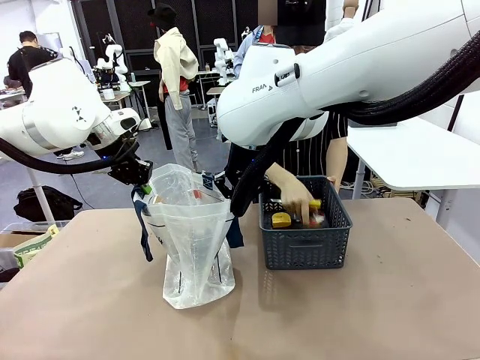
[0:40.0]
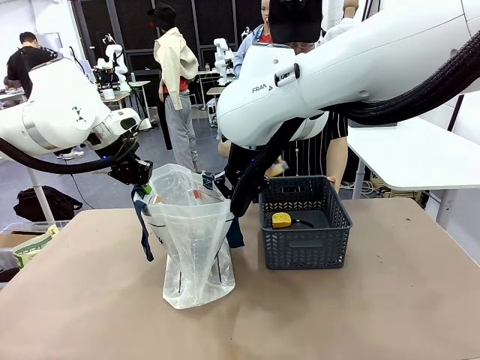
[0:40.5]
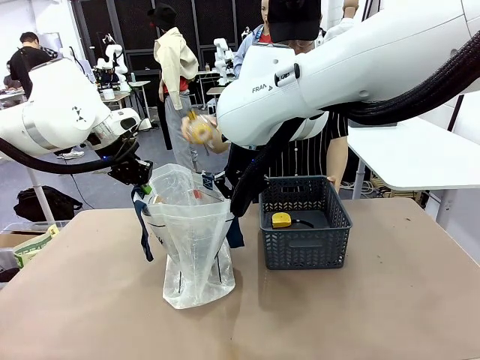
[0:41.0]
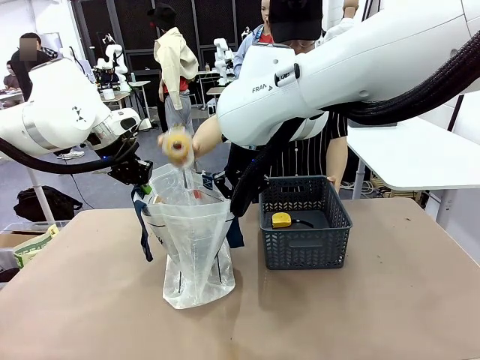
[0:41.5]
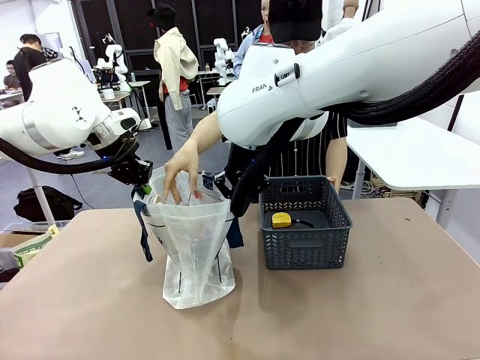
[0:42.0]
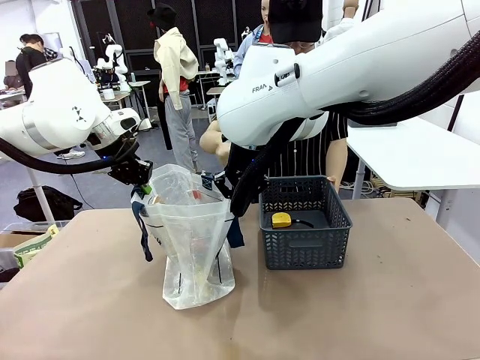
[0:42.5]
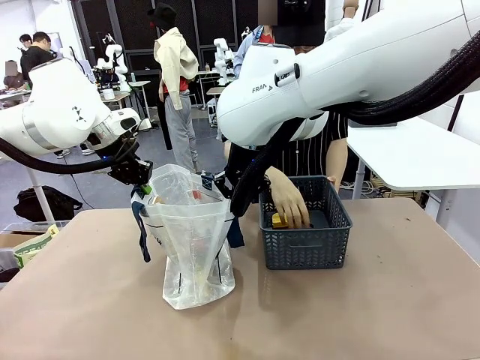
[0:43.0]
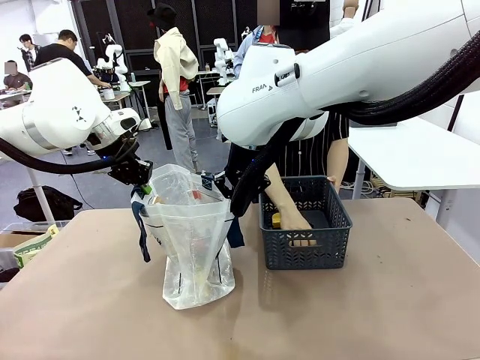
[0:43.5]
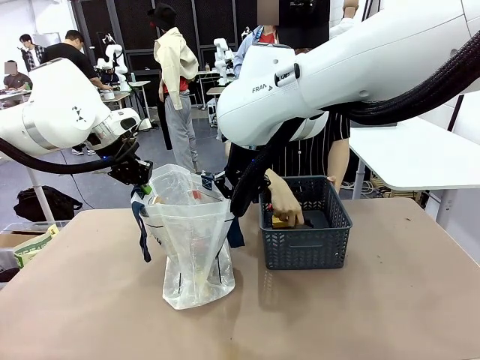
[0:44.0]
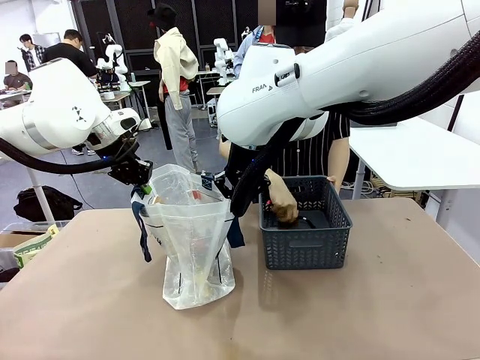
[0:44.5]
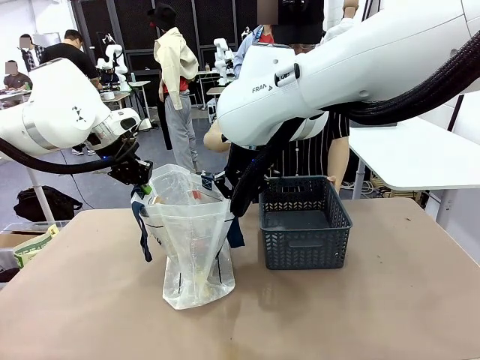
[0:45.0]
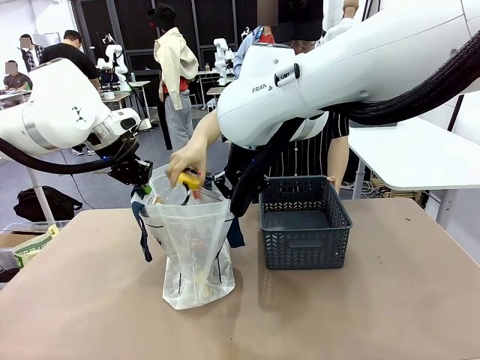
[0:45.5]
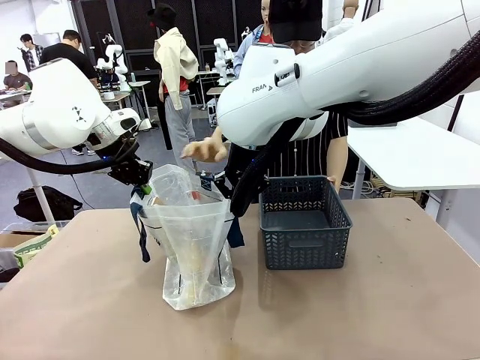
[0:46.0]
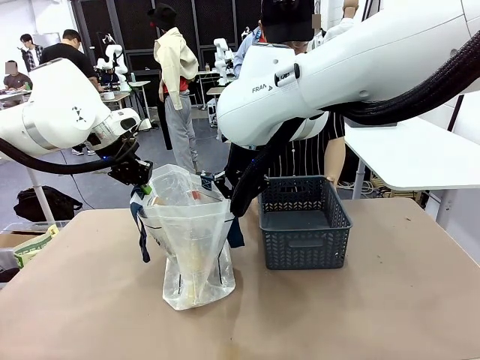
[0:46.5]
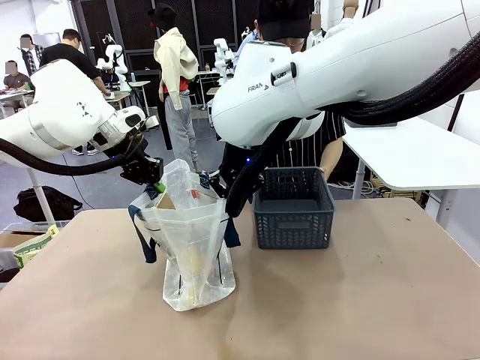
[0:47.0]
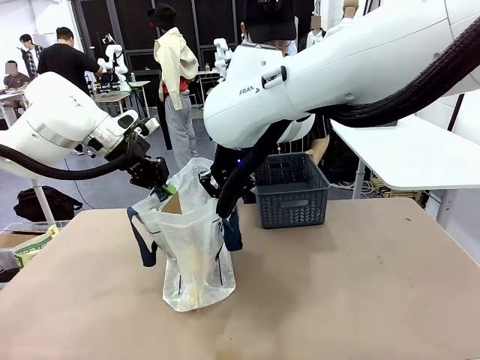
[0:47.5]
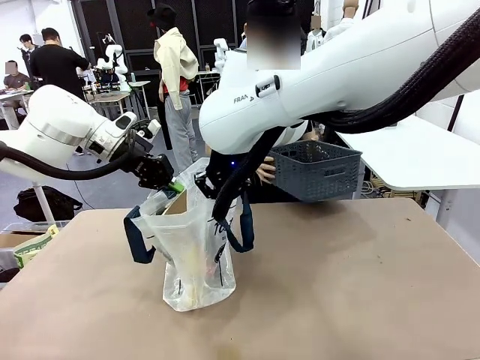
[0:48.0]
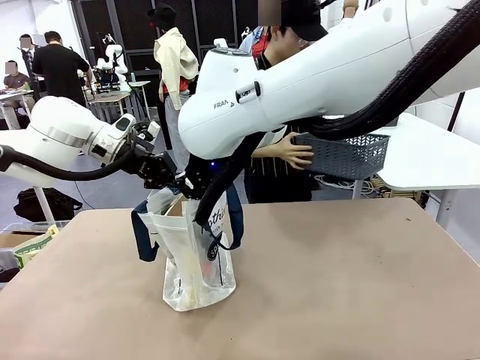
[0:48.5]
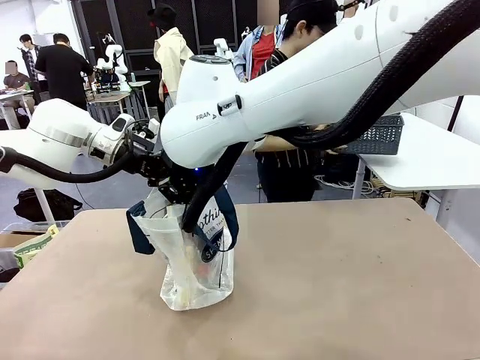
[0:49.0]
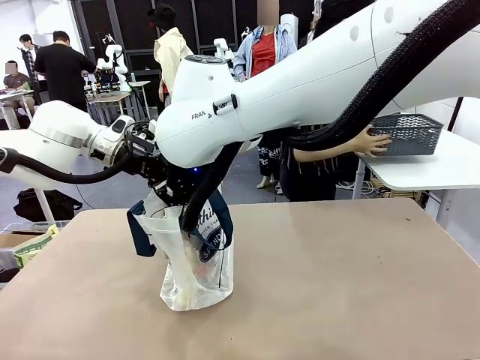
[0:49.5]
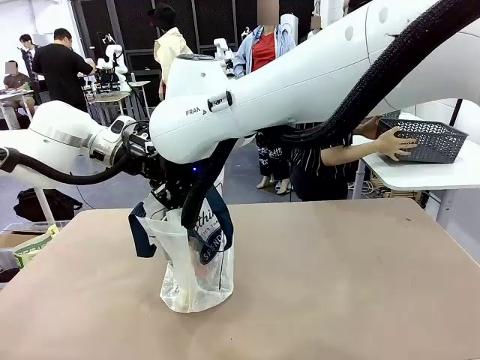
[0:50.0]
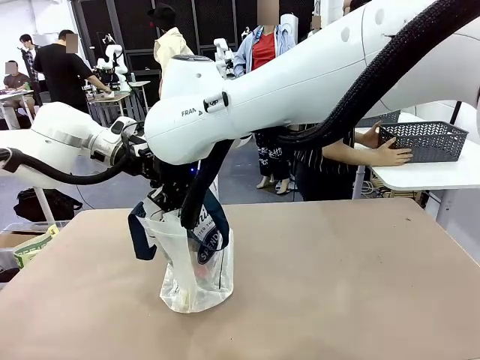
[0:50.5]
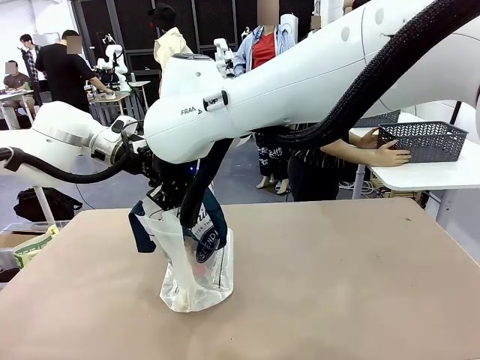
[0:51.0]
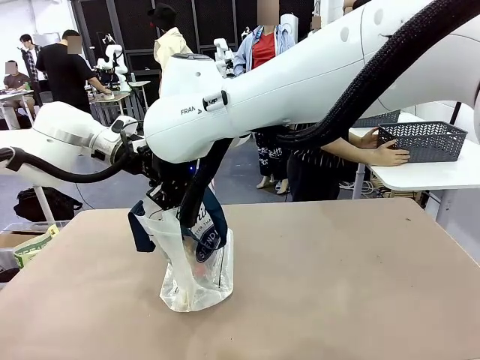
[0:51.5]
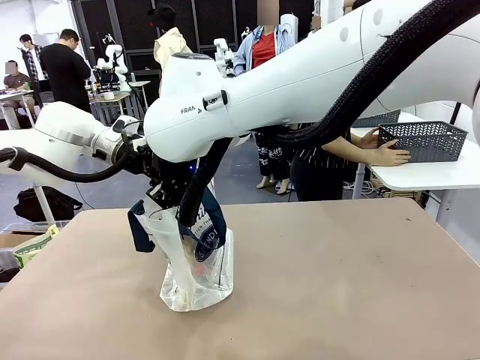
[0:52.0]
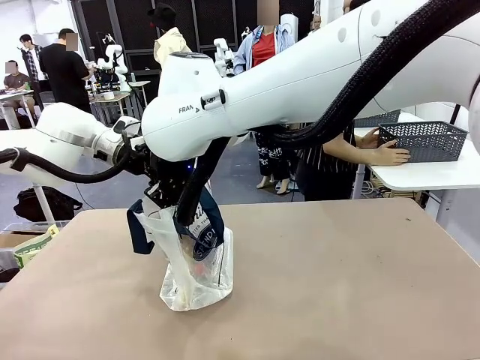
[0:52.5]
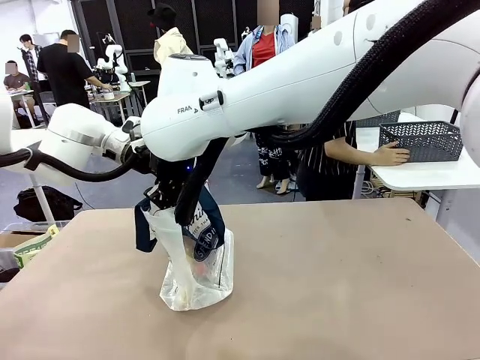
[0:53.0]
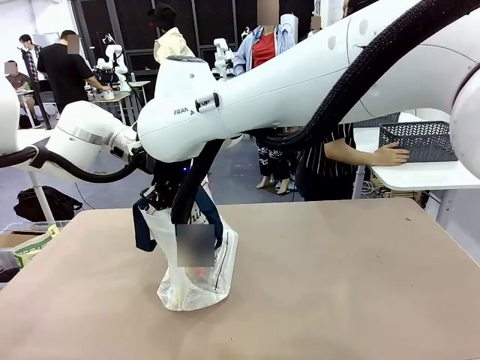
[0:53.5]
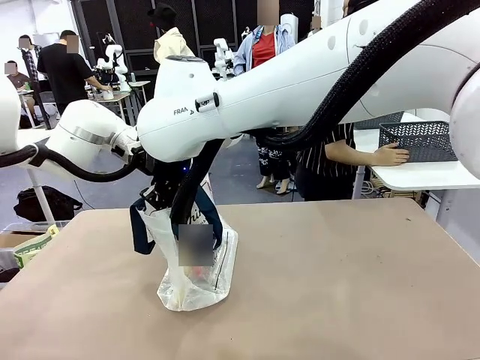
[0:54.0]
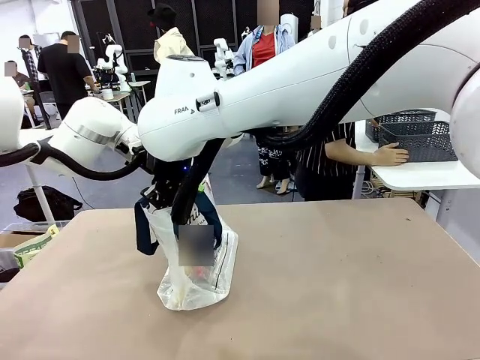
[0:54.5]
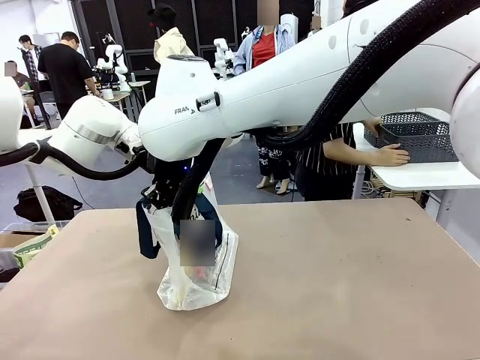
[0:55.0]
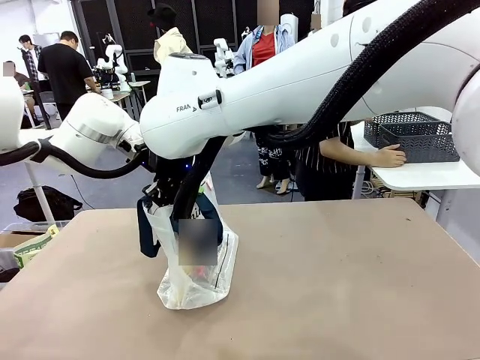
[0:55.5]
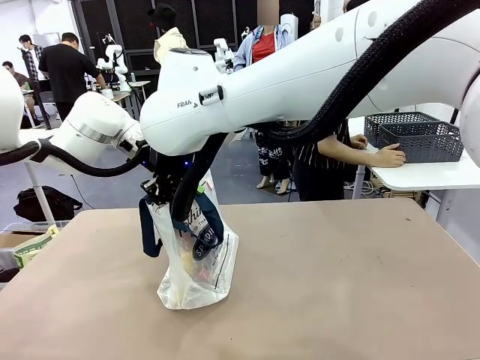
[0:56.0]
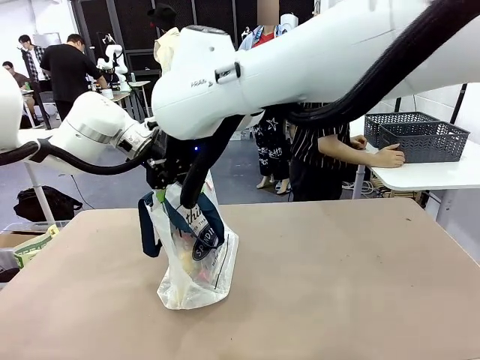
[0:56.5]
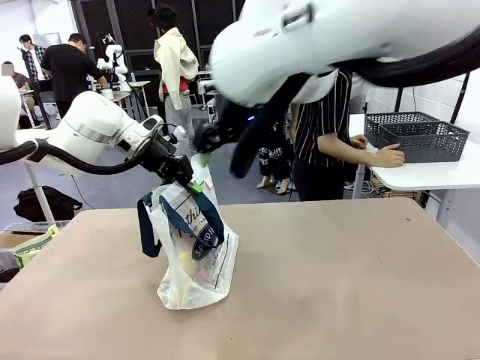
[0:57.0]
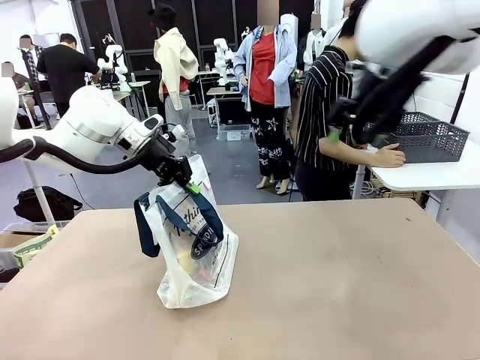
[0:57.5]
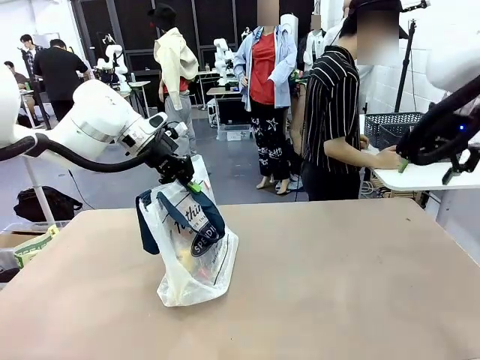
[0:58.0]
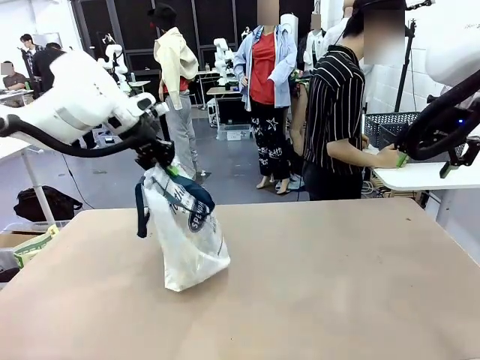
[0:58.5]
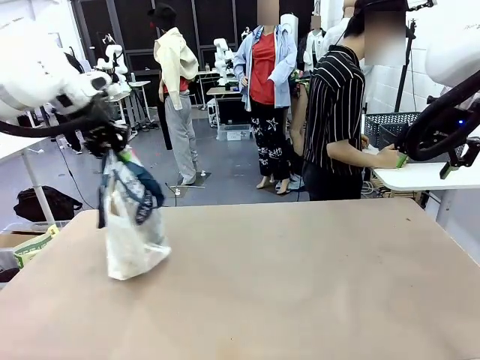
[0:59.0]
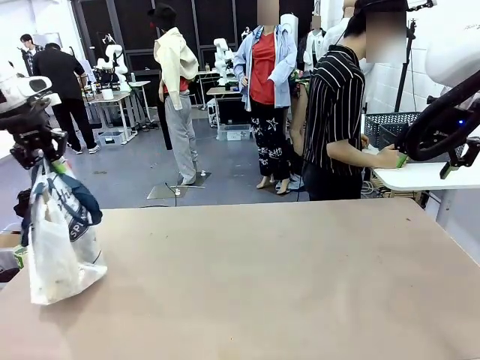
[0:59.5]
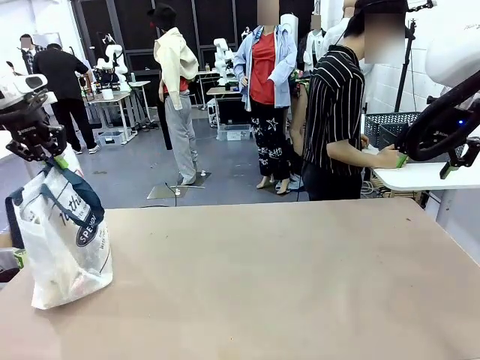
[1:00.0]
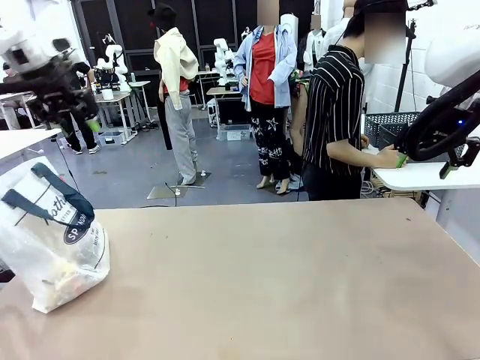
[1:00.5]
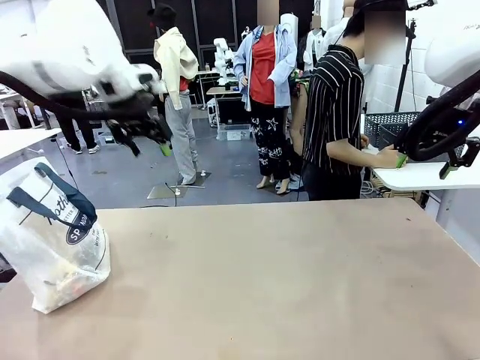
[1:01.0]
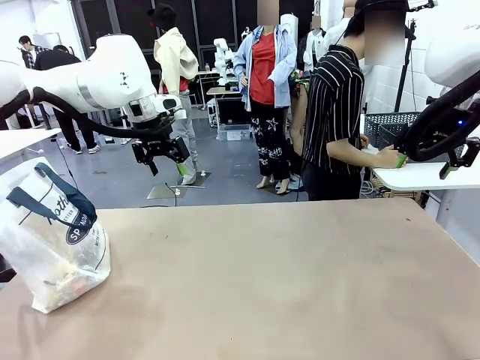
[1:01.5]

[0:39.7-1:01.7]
Task: Transfer purchased items from the store into the shopping bag.
Robot: Move the Reusable shopping bag to the right side of the table.
Person: Move the basket on the left to the middle of the person's table.

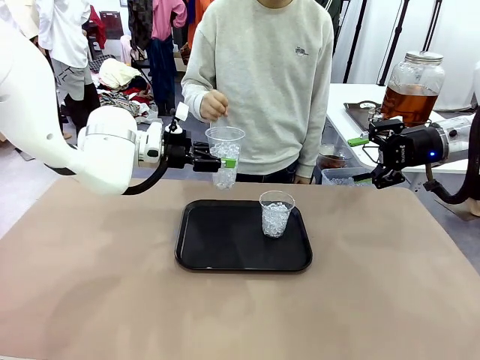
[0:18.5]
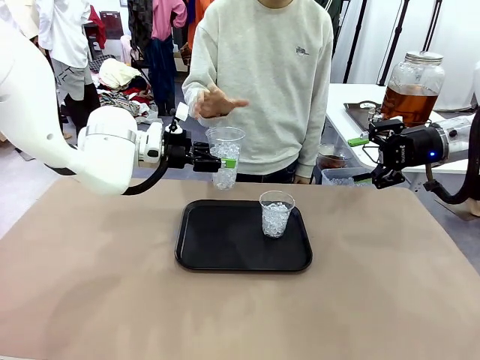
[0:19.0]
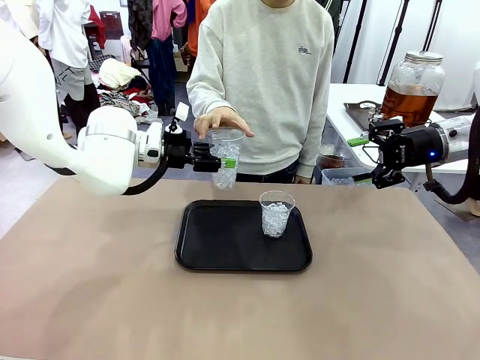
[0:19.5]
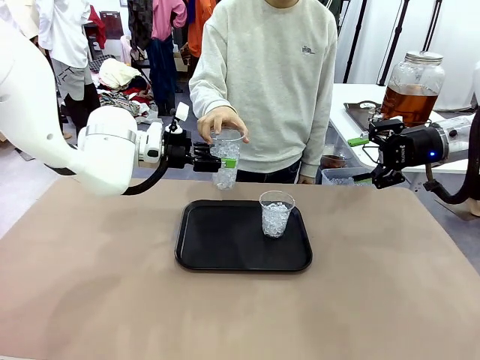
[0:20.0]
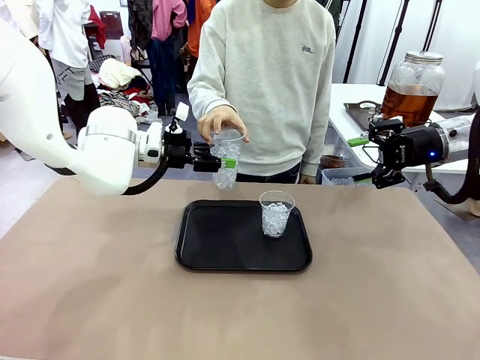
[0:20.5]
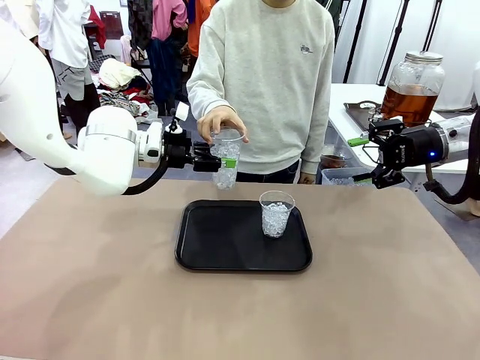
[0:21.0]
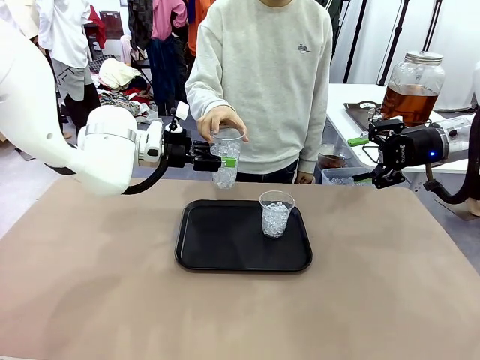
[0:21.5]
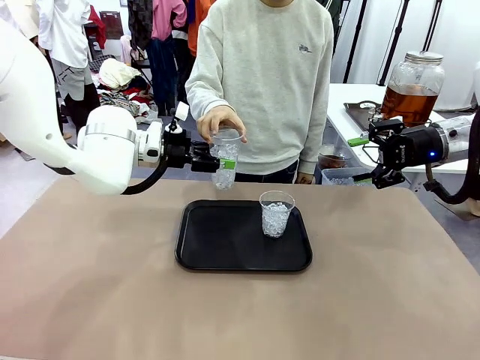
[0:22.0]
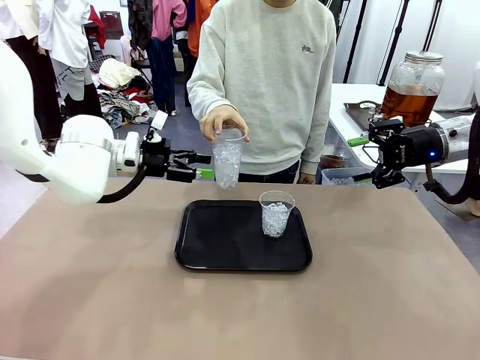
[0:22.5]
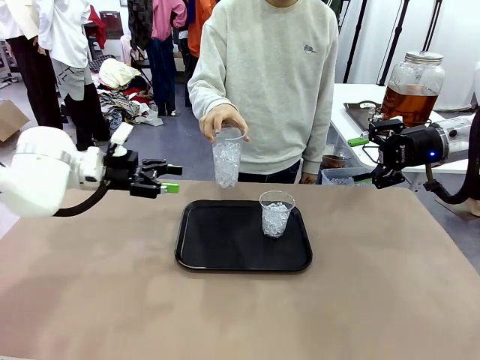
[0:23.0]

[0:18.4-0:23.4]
Task: Pour the drink into the iced cup.
Robot: Open the gripper to release the iced cup you were holding.
